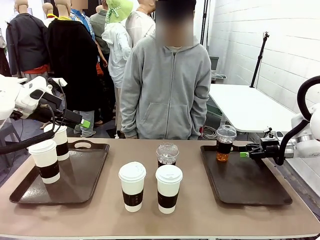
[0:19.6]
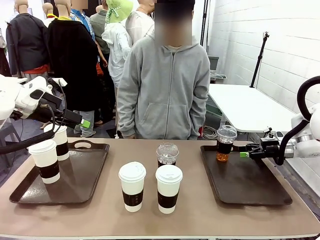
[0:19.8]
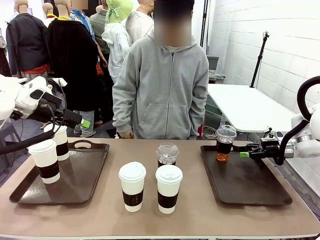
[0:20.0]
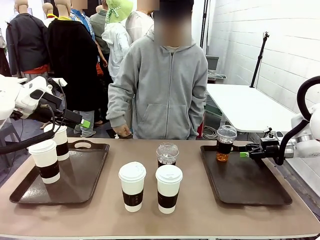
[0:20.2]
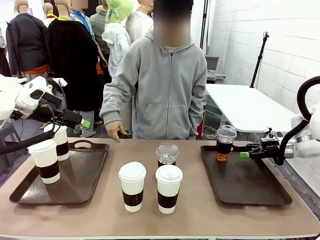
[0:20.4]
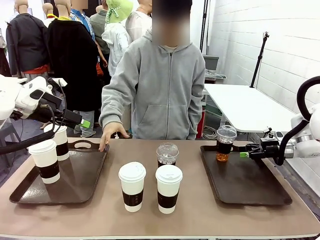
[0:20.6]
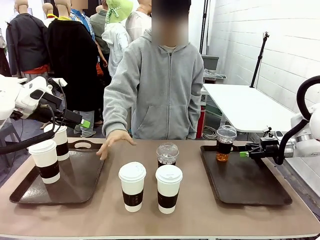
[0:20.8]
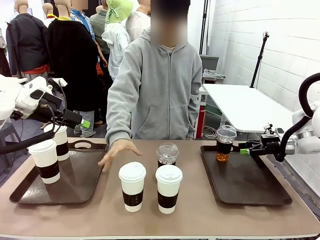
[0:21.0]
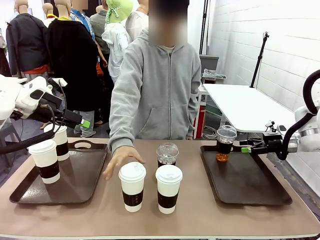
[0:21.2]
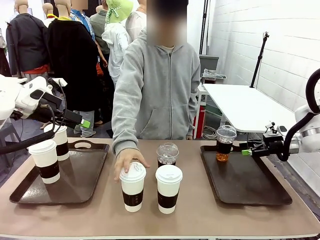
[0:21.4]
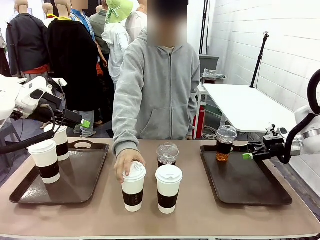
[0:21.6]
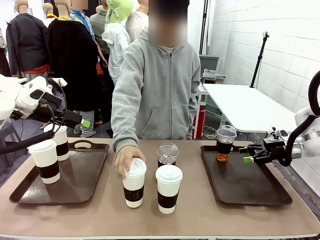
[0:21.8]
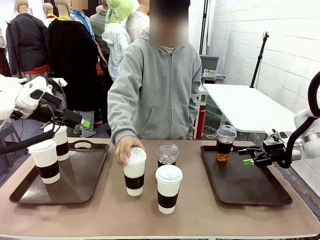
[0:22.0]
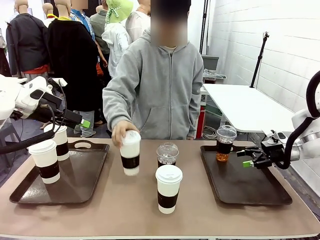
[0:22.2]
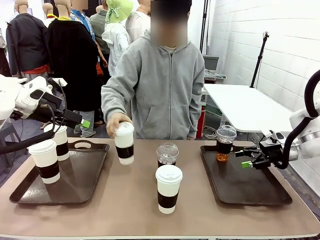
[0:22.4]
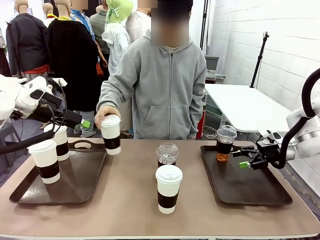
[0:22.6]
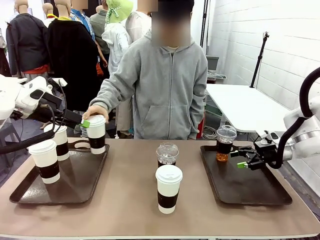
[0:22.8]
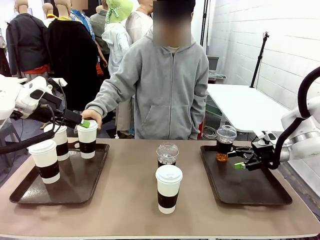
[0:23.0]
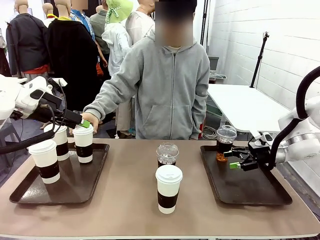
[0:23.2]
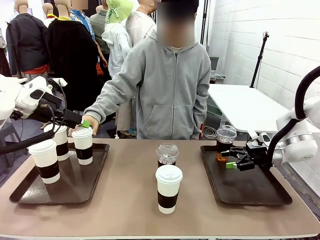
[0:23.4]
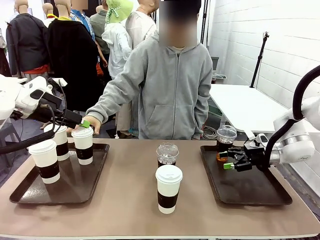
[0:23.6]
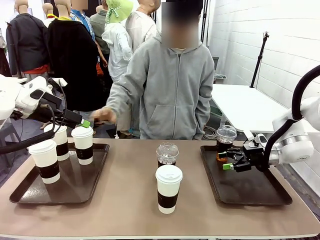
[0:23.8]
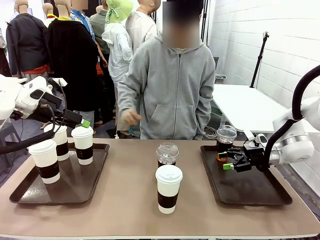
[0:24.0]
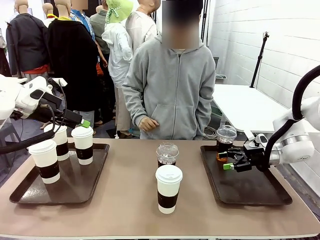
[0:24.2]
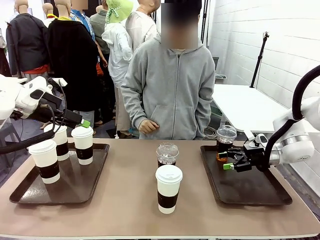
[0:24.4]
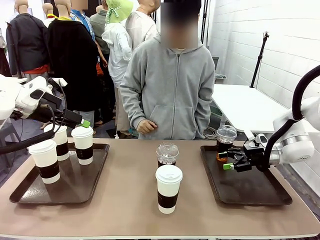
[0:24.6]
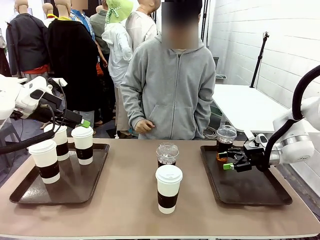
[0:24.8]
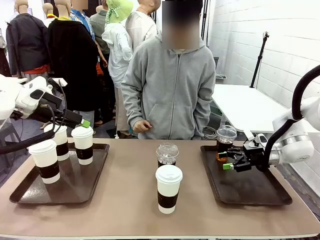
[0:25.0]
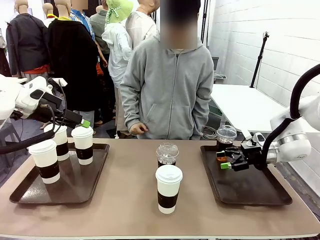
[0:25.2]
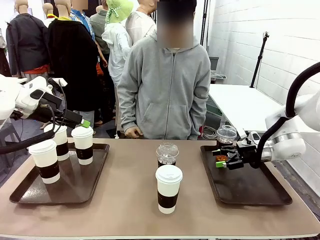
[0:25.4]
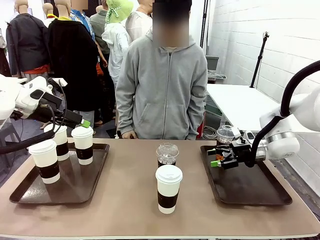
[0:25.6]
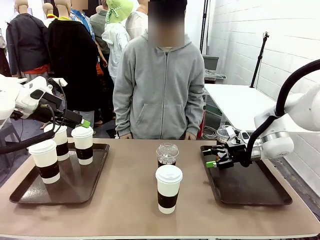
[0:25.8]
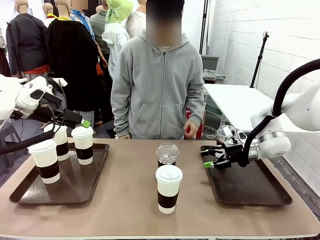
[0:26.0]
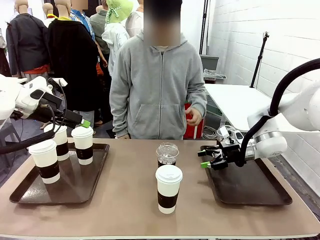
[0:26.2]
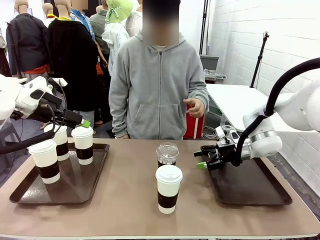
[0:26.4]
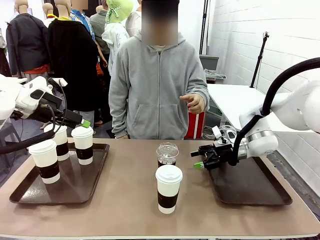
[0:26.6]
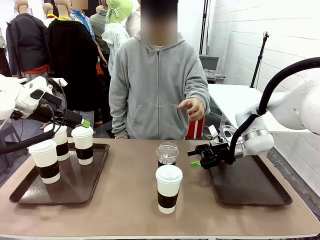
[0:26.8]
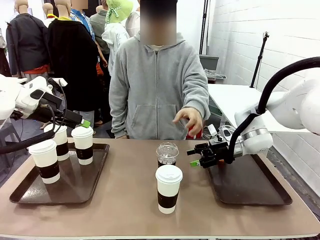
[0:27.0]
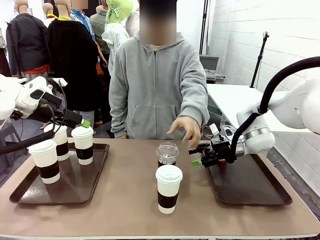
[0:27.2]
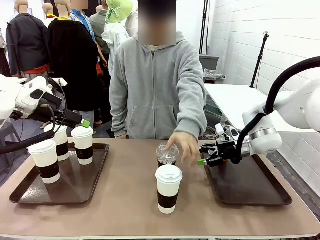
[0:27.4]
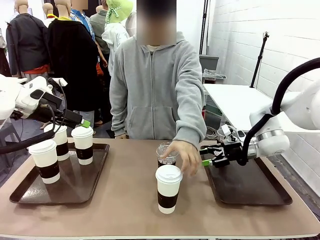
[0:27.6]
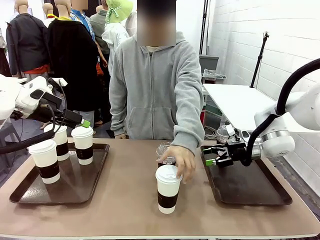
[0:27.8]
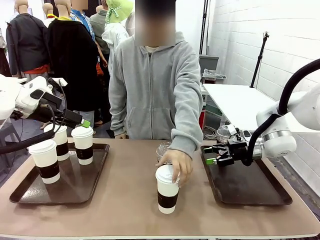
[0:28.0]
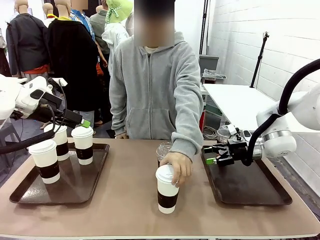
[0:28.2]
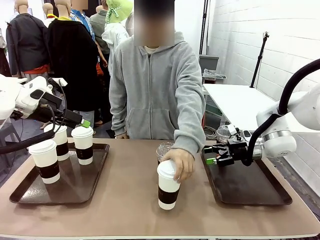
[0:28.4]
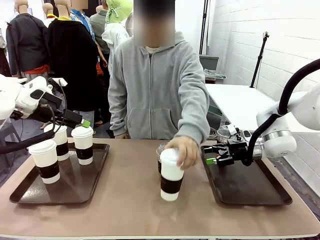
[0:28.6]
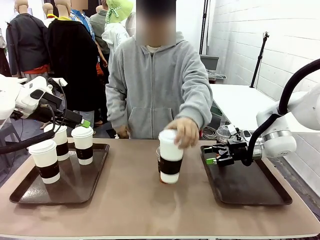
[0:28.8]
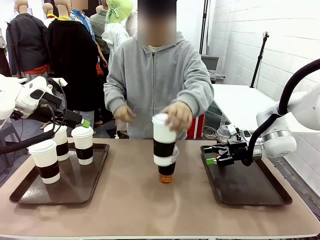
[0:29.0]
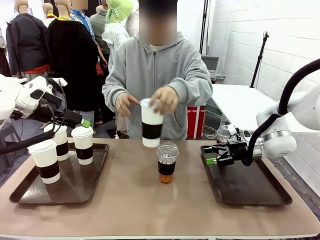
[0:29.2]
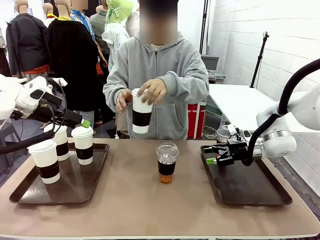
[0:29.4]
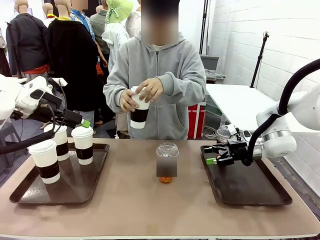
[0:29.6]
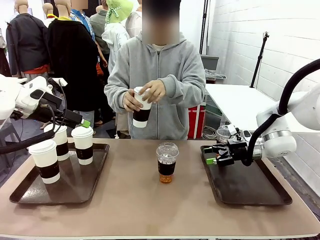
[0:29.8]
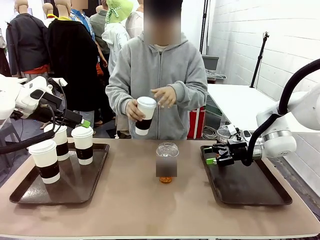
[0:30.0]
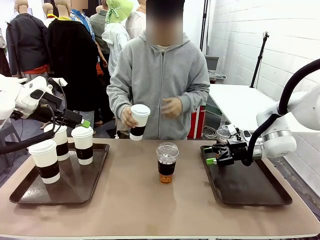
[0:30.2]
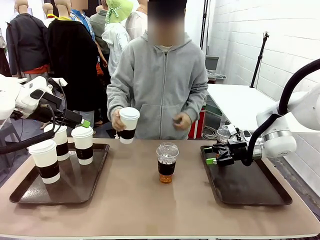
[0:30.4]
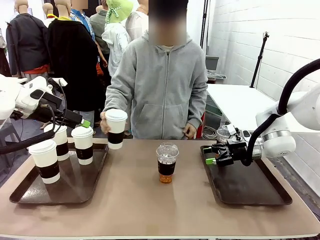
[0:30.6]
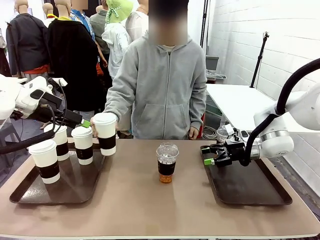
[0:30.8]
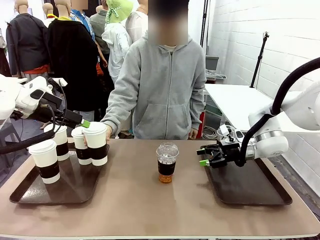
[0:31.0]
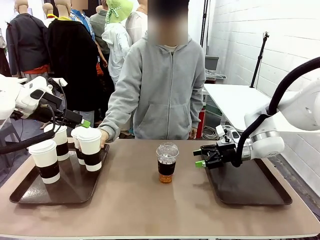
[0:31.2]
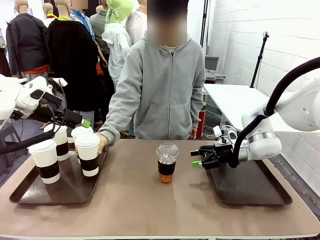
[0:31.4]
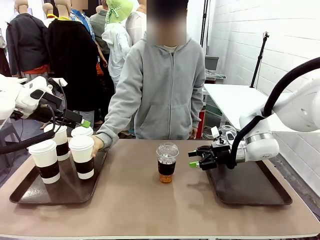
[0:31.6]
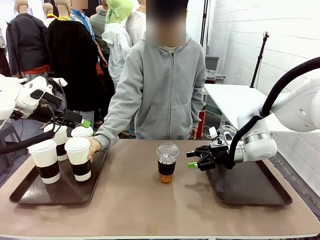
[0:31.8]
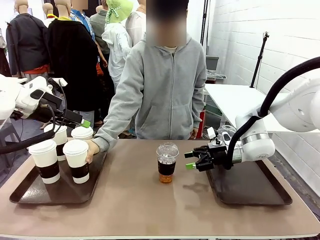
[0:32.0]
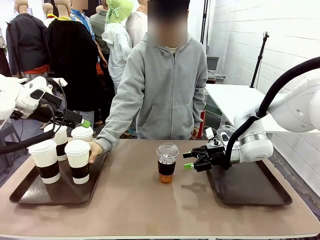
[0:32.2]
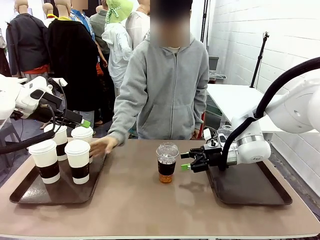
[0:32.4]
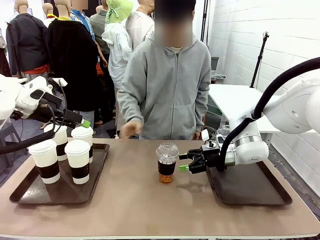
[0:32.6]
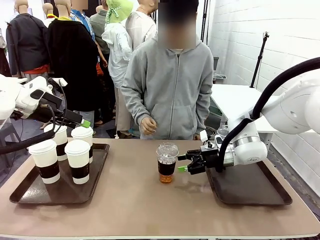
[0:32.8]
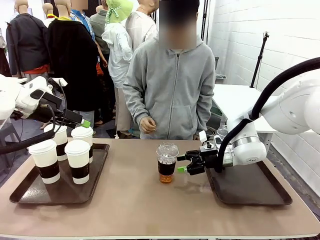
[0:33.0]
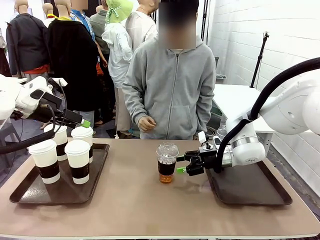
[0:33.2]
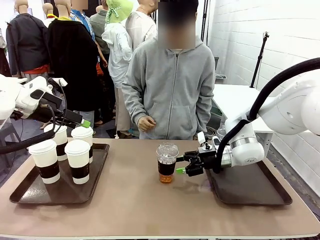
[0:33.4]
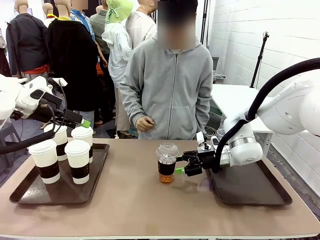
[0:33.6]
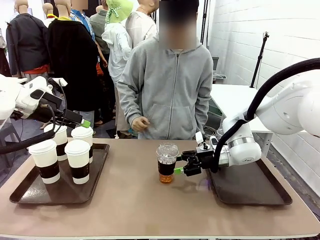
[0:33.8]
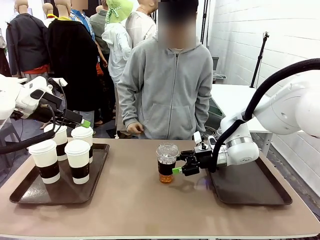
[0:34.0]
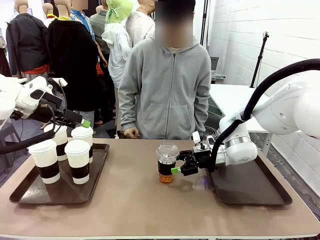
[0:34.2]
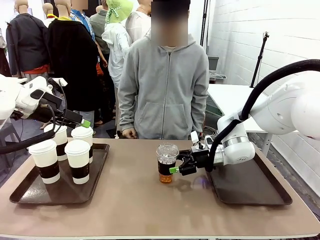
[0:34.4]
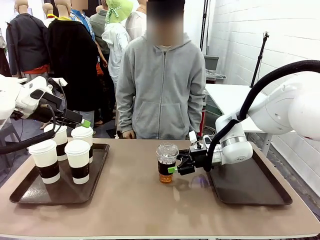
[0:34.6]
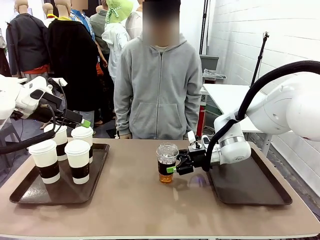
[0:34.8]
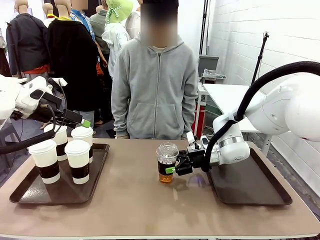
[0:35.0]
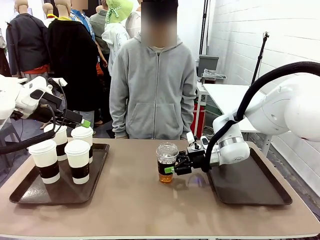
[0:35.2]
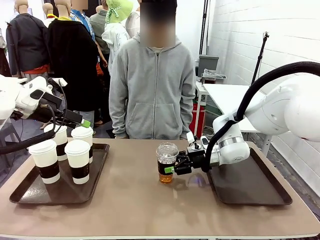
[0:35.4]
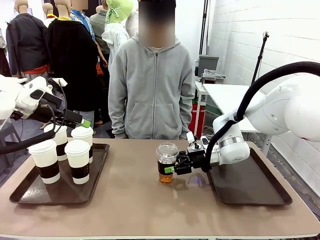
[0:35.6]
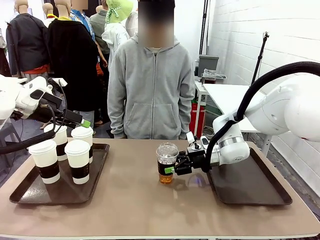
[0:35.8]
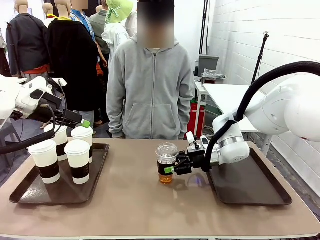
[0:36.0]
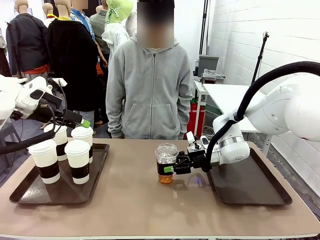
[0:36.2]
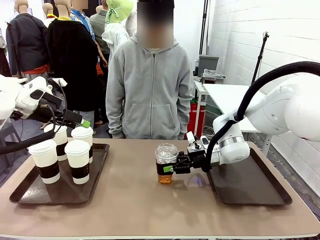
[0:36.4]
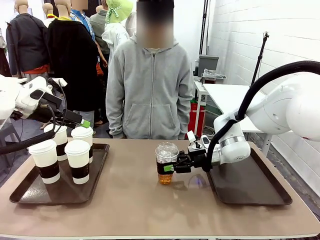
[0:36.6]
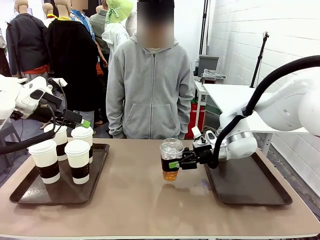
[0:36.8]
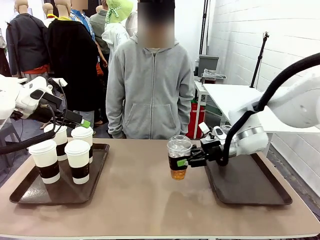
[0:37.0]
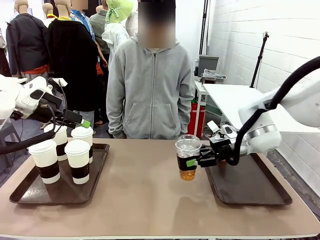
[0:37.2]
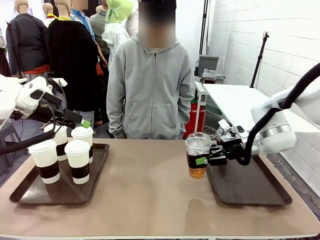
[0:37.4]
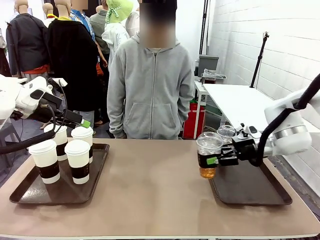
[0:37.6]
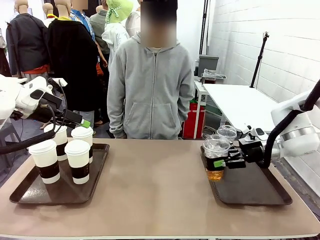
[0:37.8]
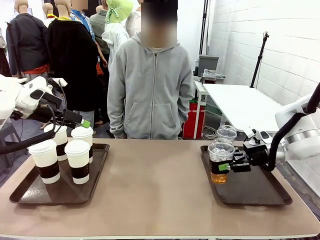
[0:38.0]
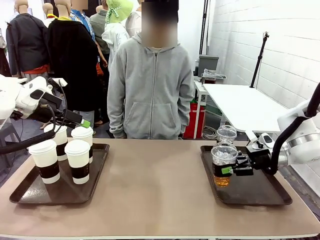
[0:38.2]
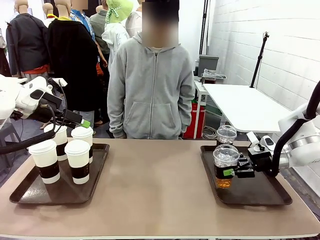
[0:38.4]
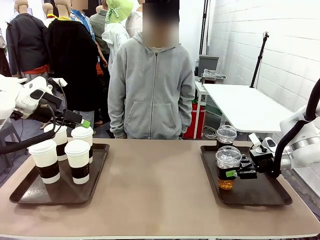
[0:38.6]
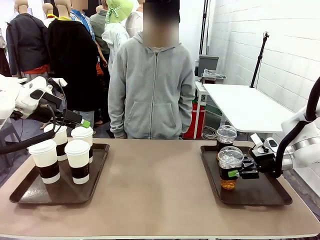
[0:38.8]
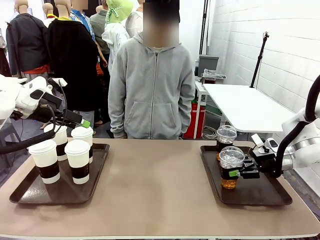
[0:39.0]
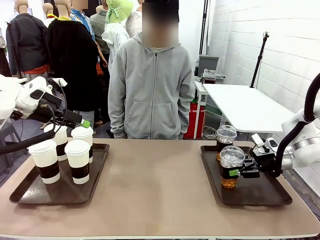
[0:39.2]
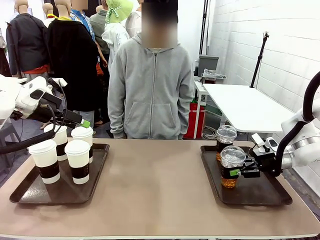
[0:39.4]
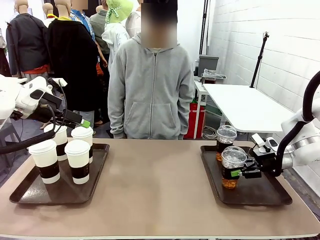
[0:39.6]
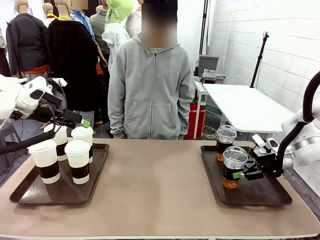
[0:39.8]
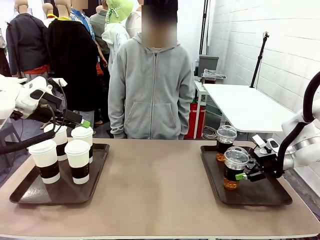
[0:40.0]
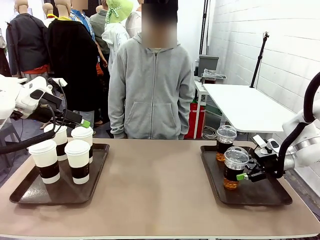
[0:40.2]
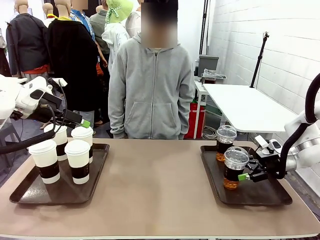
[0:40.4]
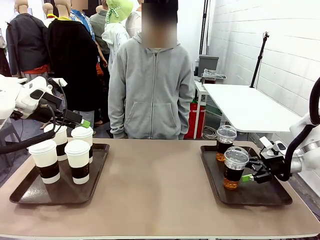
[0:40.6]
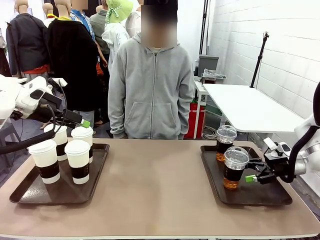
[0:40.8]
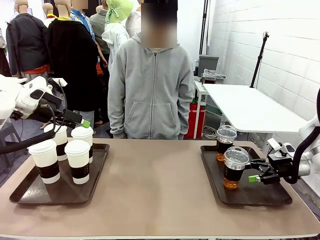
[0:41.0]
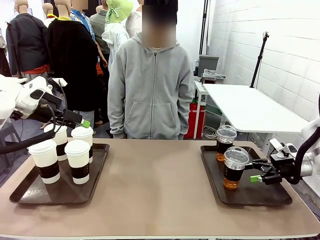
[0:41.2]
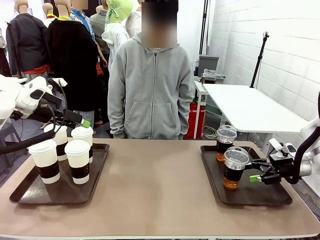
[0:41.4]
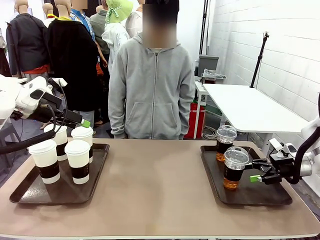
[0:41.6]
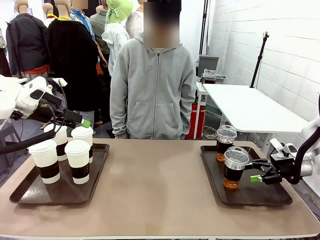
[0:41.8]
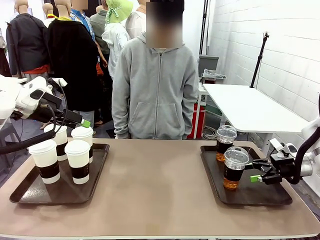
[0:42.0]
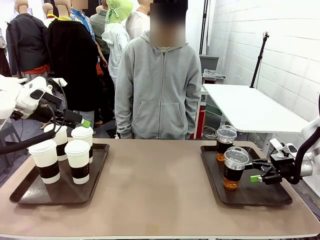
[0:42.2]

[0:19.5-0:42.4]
Task: Distribute the coffee onto the tray.
Robot: Pick up another iced Americano from the middle of the table and place it on the right Handle tray.
Person: Pick up a cup of hot Americano from the middle of the table and place it on the right tray.
